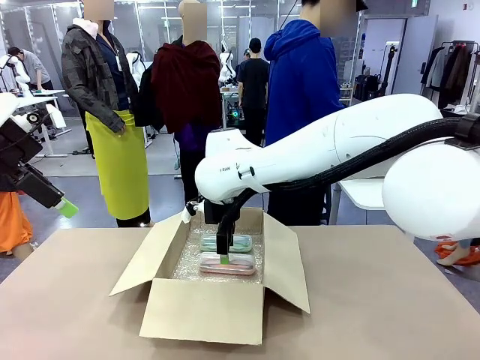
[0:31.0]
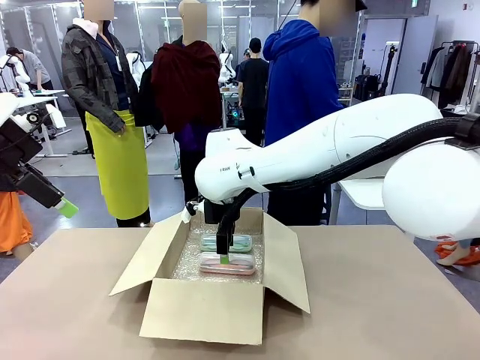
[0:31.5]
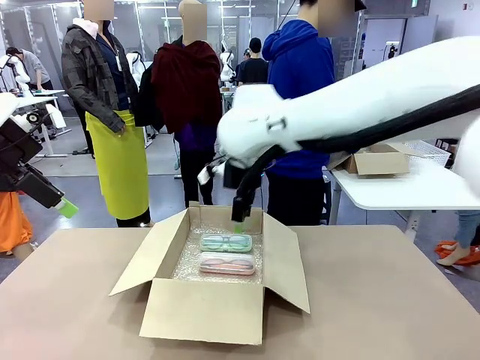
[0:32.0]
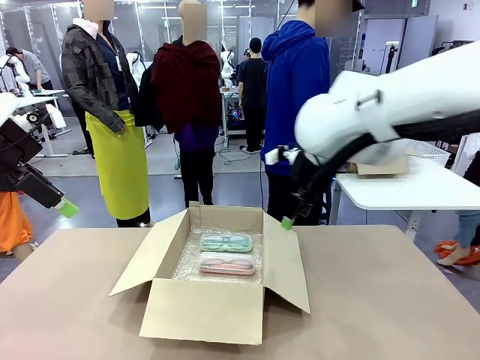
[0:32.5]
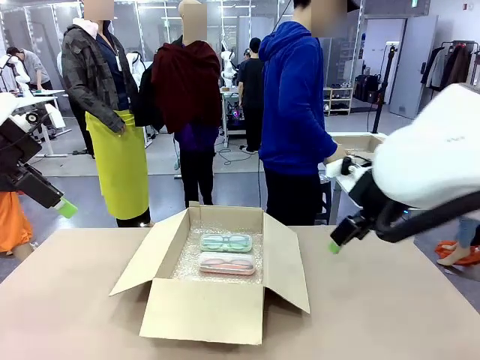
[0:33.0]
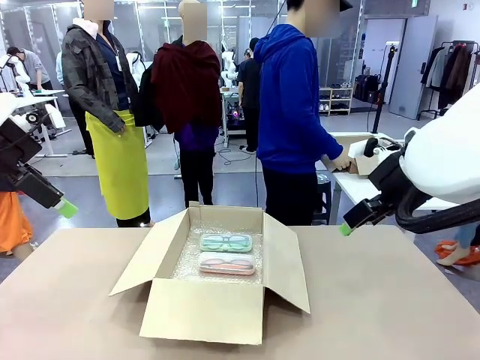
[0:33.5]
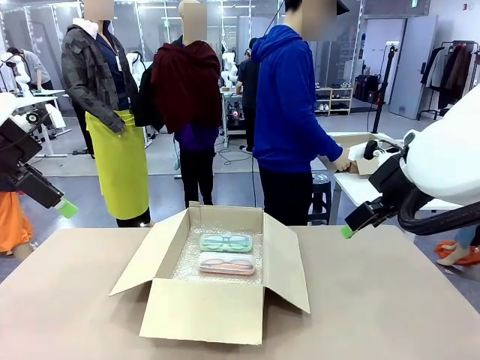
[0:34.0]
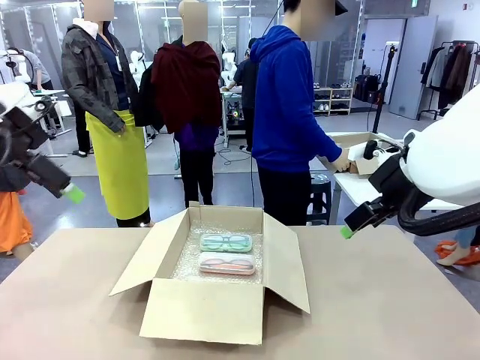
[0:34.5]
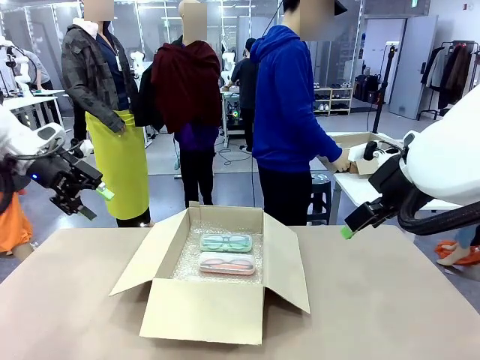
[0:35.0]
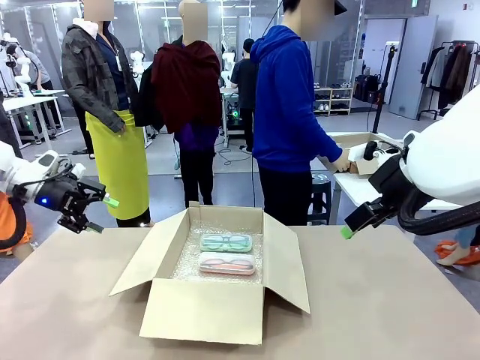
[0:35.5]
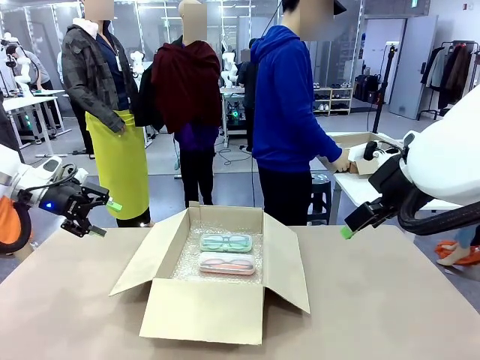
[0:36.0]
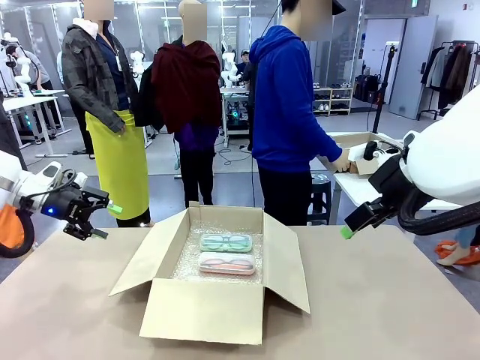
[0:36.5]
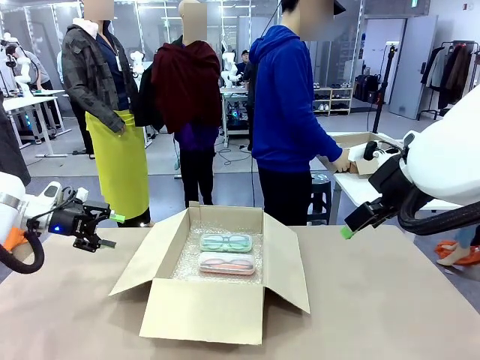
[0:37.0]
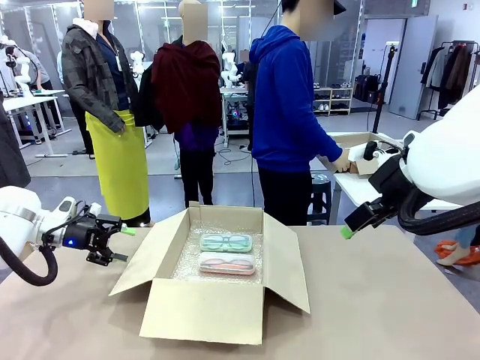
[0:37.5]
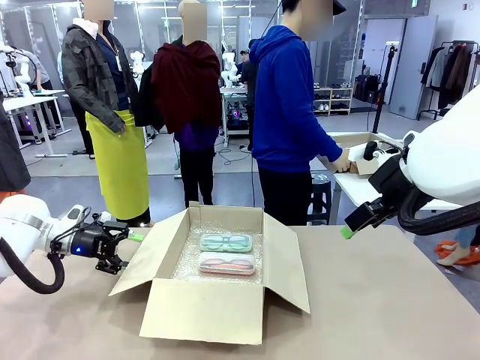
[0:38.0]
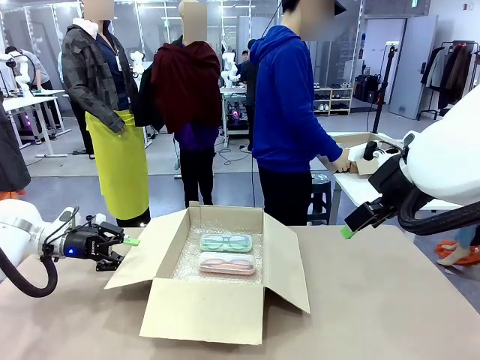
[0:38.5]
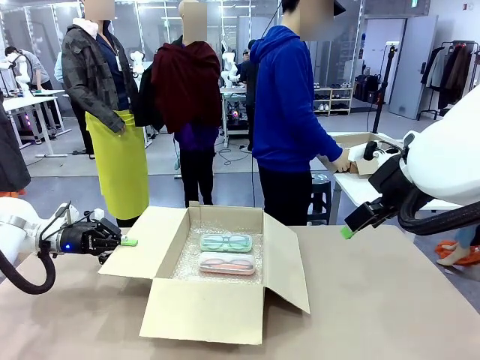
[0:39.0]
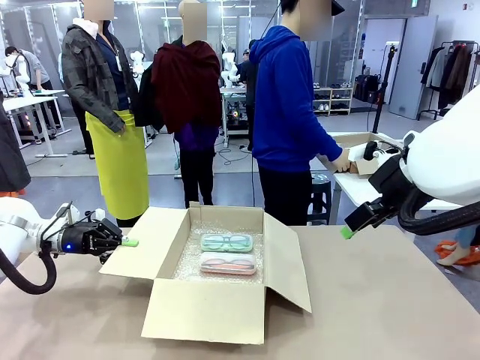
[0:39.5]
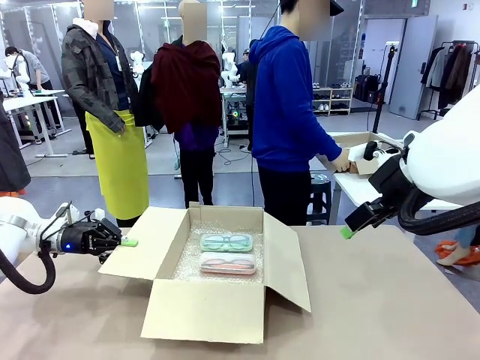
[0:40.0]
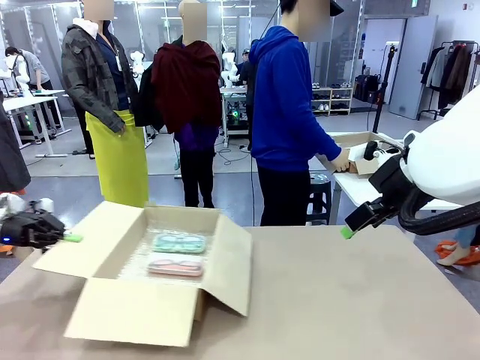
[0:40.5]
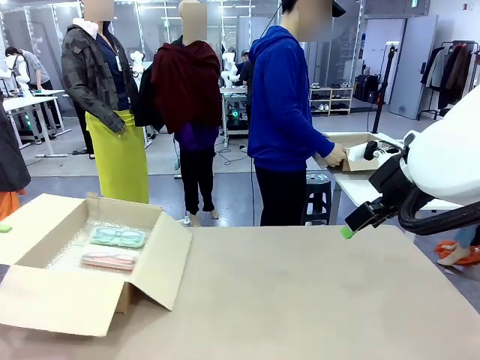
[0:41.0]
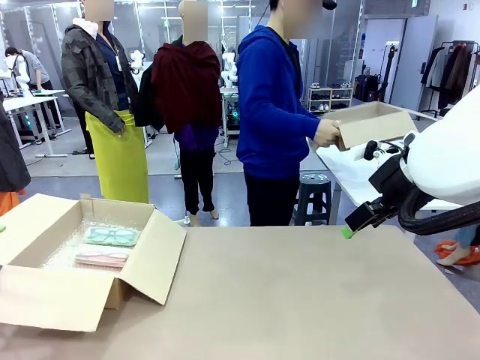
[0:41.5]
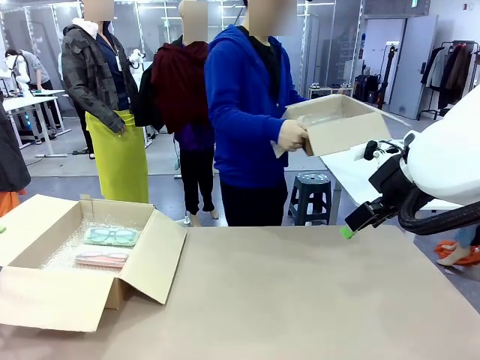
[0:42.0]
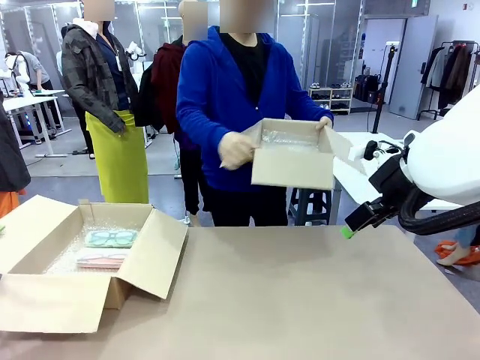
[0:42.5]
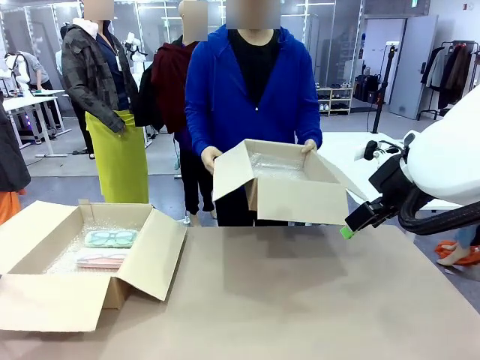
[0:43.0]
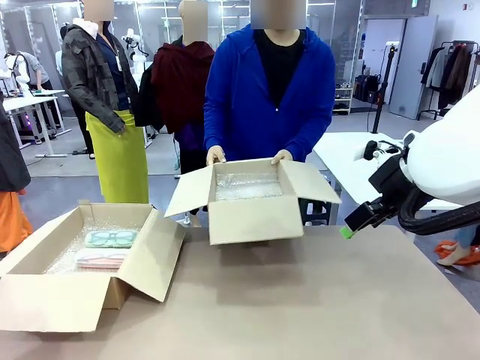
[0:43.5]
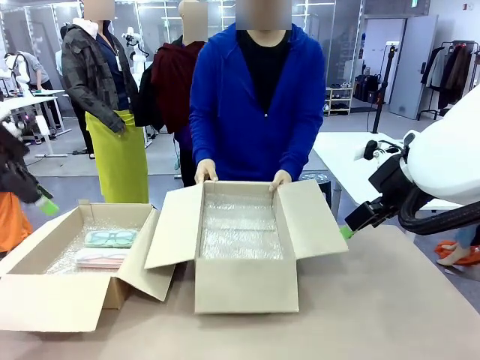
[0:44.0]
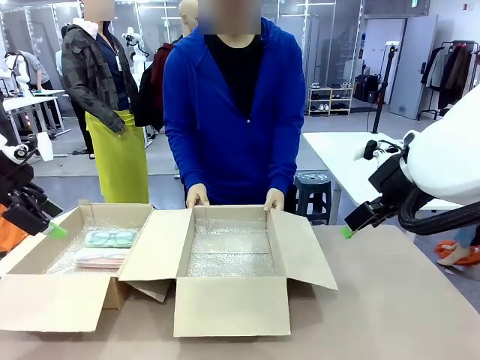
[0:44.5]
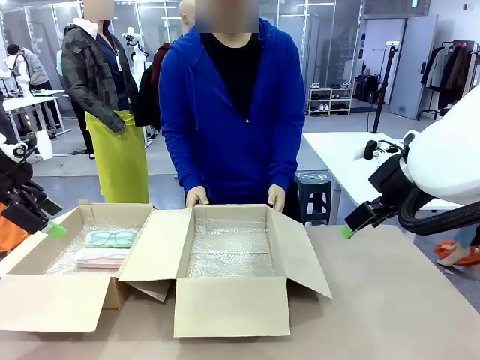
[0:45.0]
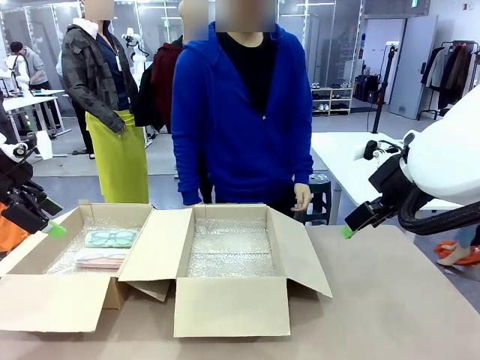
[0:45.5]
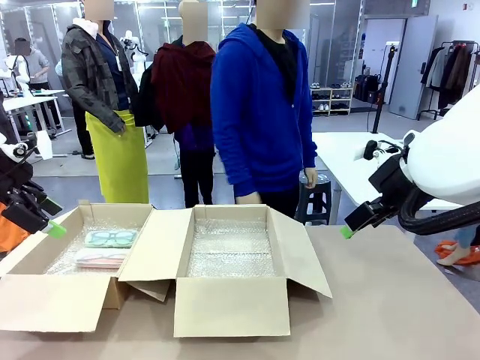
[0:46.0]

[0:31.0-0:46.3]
Task: Pack the glasses set securely to prepare it for shipping.
Robot: Position the Package Box on the left side of the table.
Person: Position the empty Package Box in the middle of the robot's table.

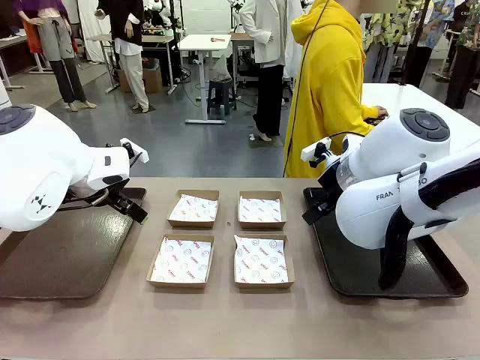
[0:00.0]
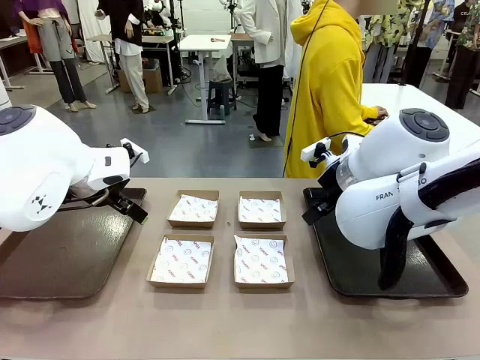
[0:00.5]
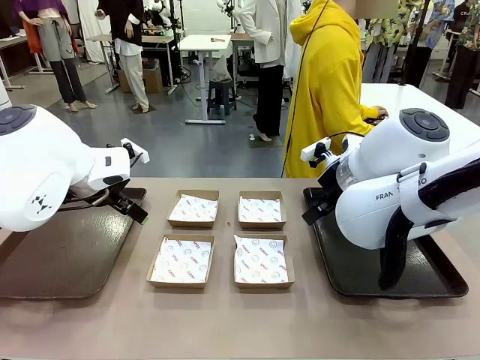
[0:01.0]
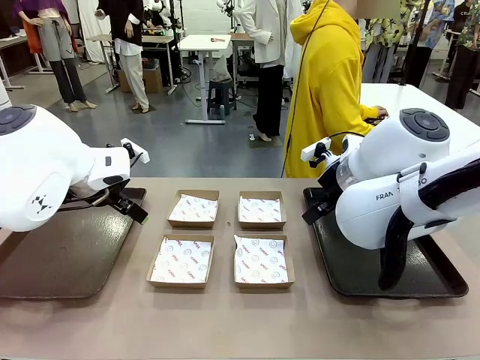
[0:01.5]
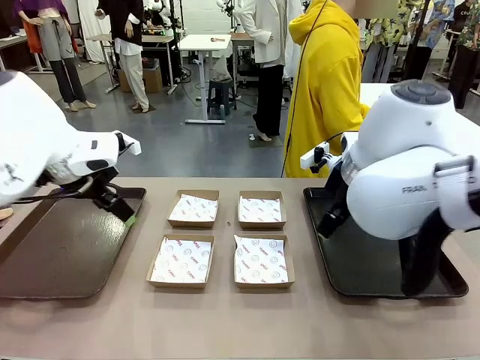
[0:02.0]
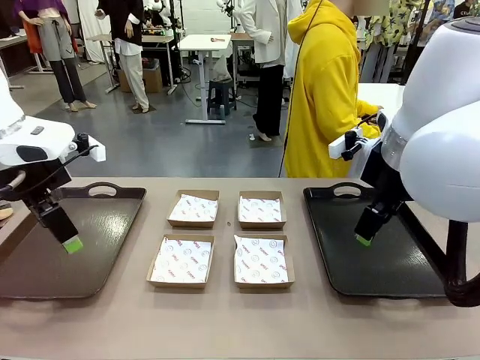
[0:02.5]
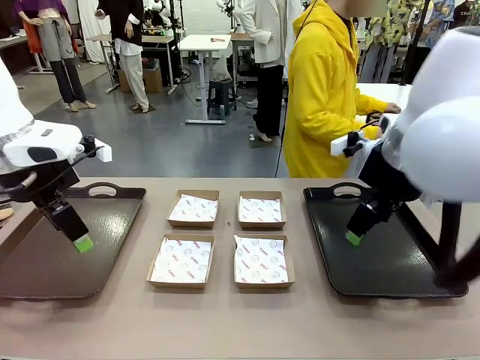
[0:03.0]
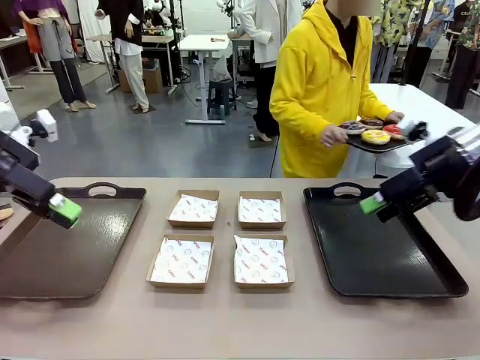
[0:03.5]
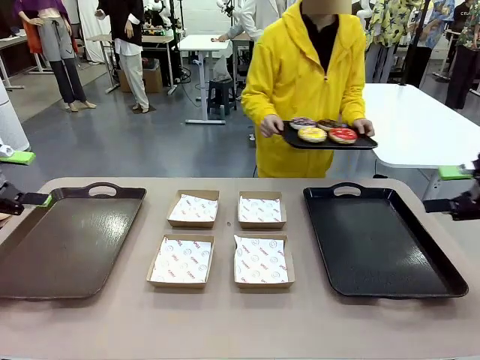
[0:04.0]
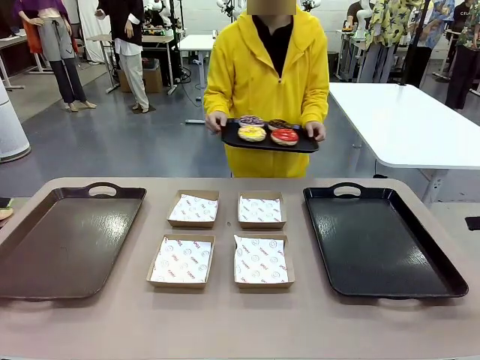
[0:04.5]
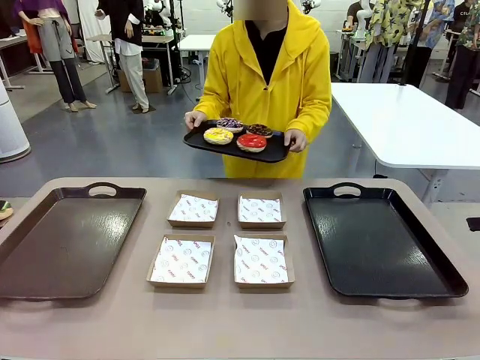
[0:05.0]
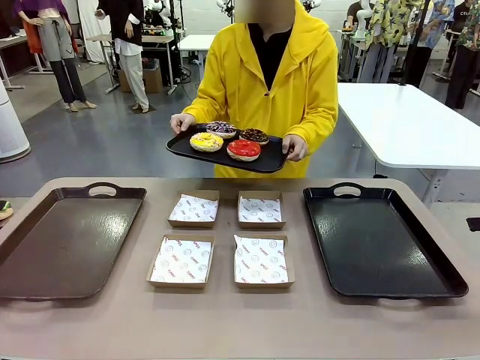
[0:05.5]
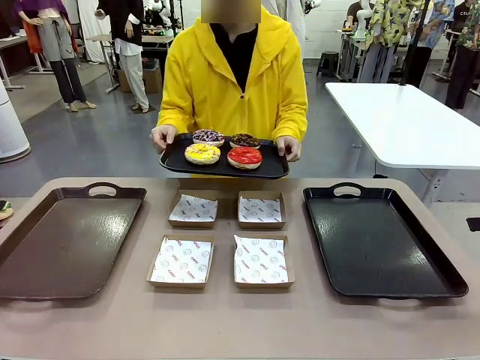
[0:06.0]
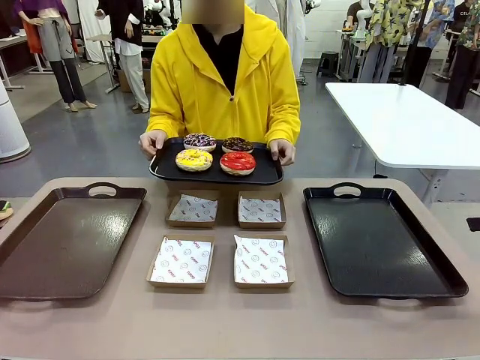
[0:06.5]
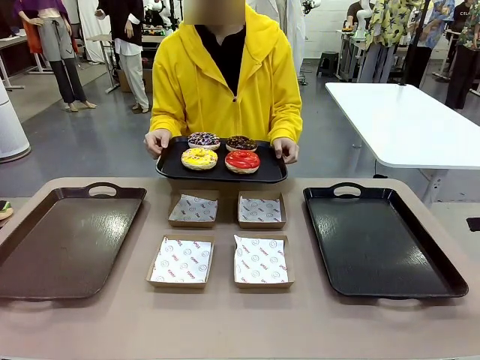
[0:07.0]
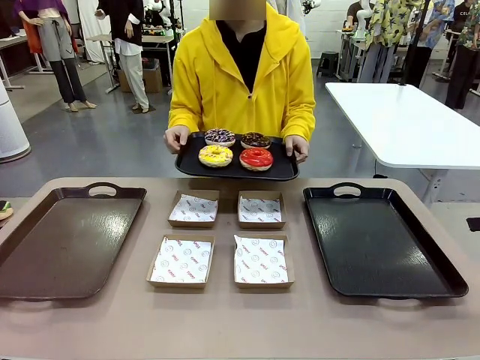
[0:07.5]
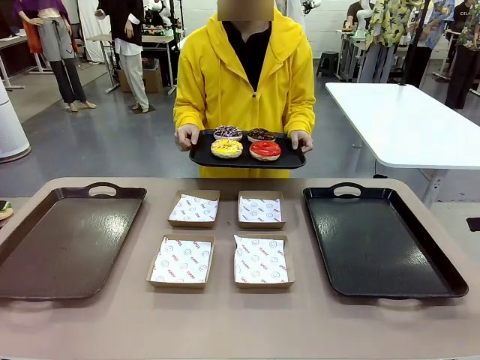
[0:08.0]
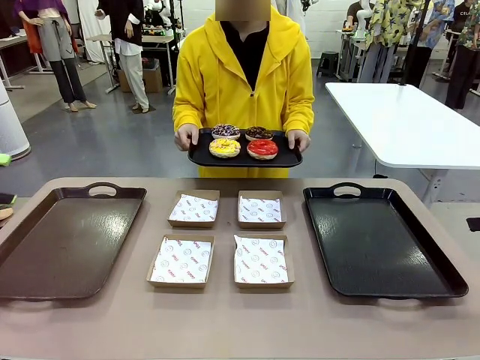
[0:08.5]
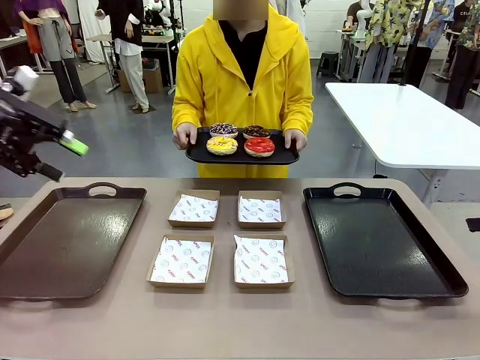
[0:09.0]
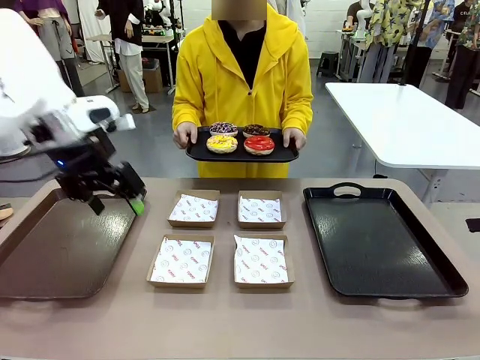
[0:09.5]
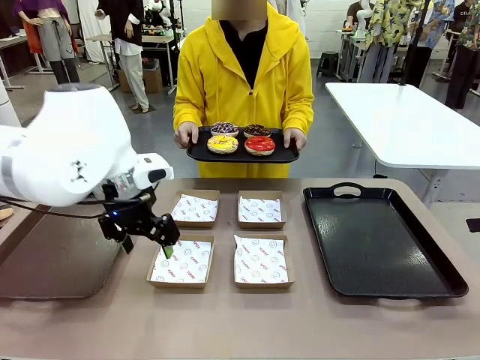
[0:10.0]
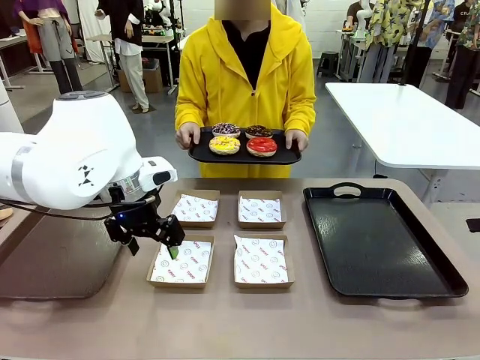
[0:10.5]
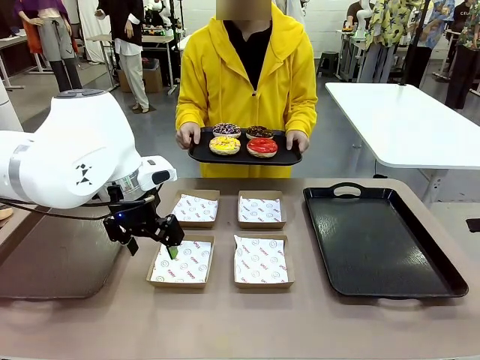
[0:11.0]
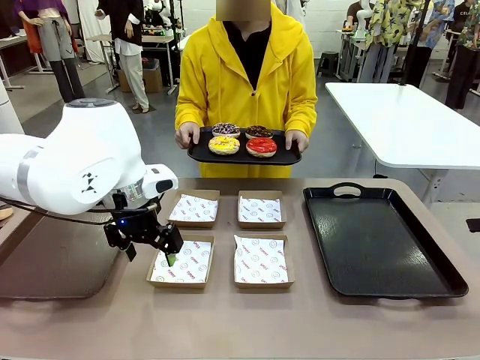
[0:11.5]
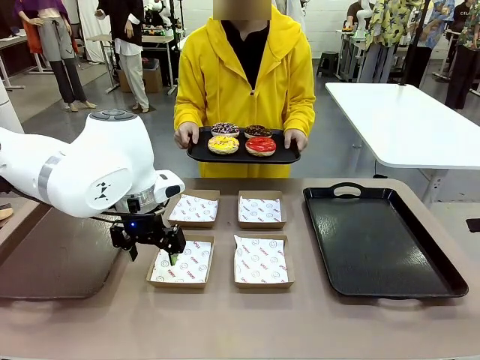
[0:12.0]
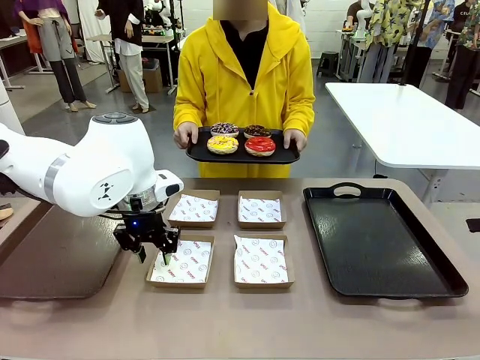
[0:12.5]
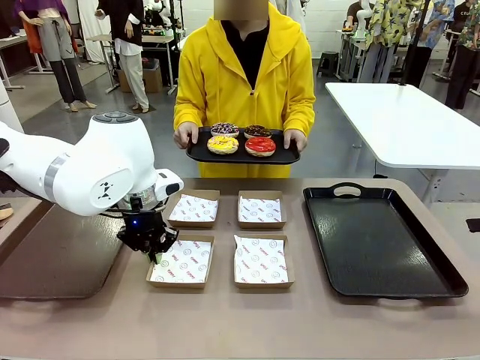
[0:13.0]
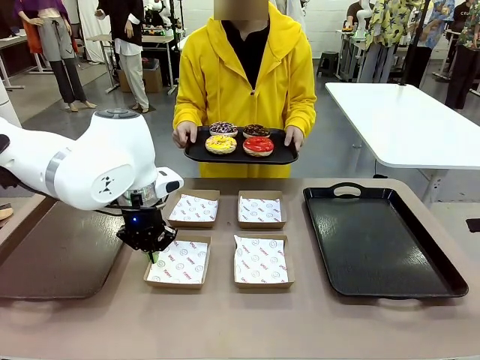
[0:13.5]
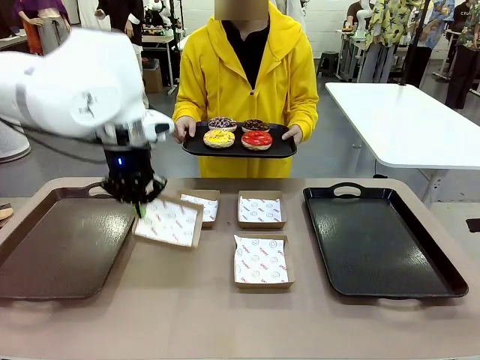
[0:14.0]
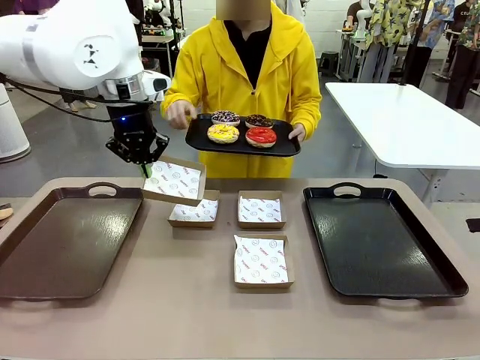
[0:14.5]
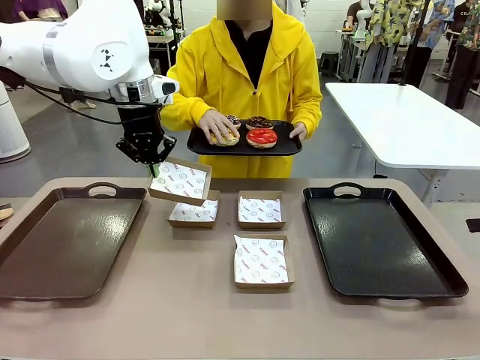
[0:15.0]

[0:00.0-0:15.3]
Task: Individually package the donuts and arrange them on the tray.
Robot: Pick up one Paper togo box.
Person: Stand in front of the robot table holding the tray containing the donuts.
